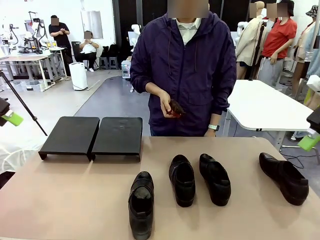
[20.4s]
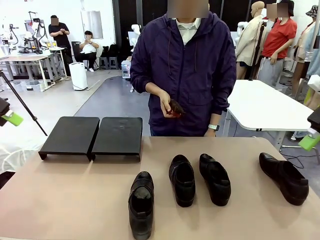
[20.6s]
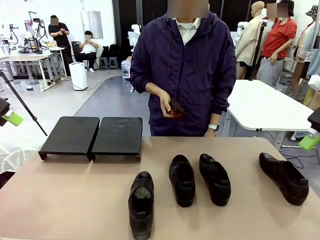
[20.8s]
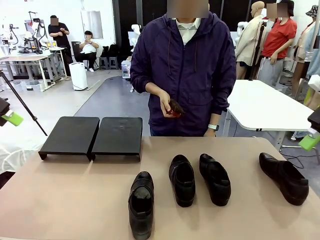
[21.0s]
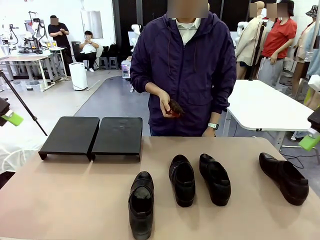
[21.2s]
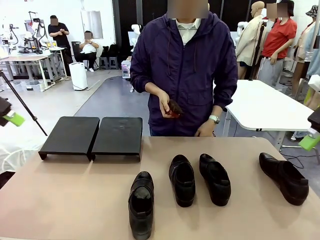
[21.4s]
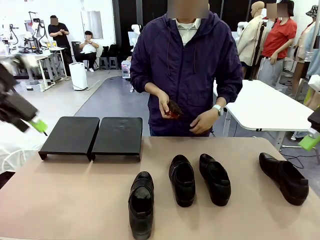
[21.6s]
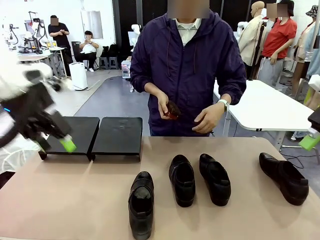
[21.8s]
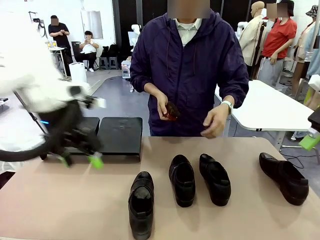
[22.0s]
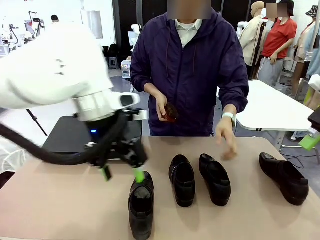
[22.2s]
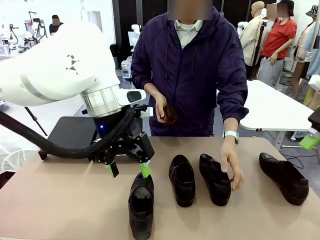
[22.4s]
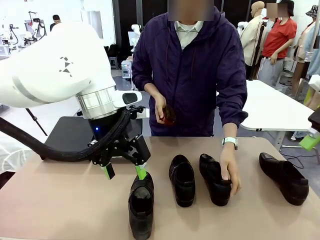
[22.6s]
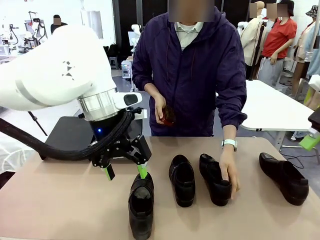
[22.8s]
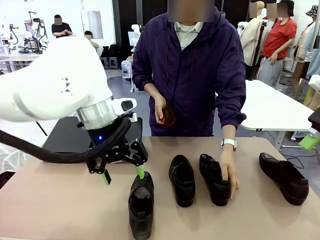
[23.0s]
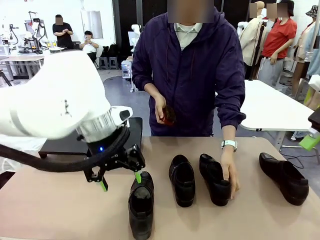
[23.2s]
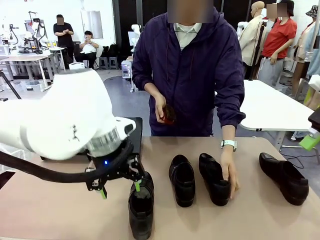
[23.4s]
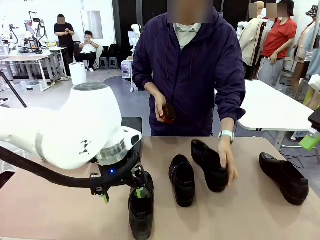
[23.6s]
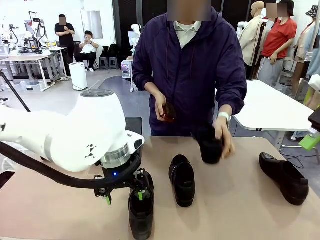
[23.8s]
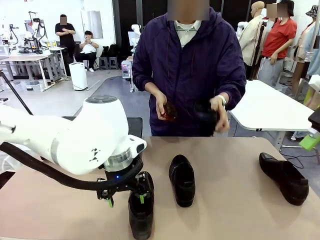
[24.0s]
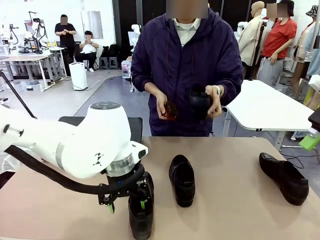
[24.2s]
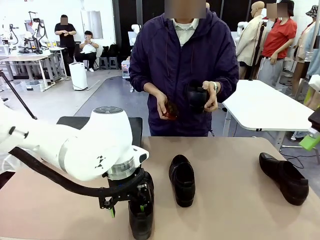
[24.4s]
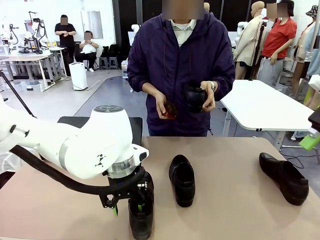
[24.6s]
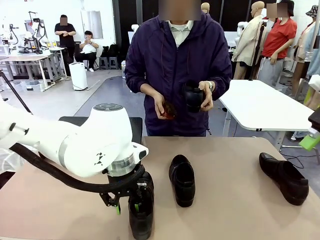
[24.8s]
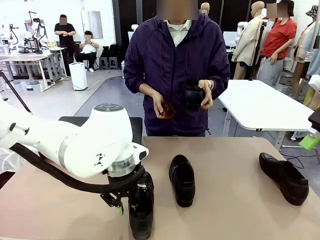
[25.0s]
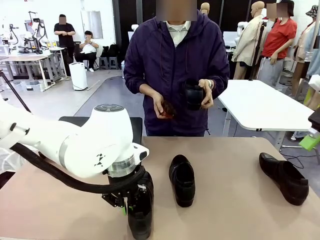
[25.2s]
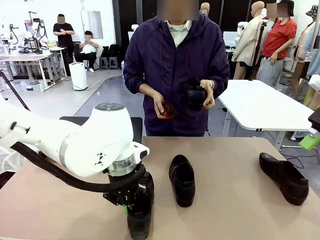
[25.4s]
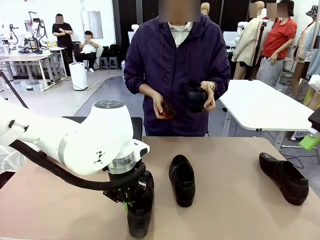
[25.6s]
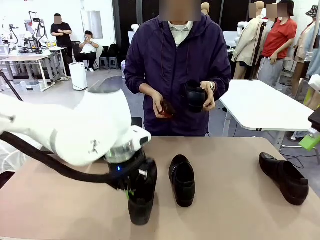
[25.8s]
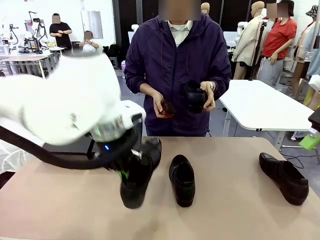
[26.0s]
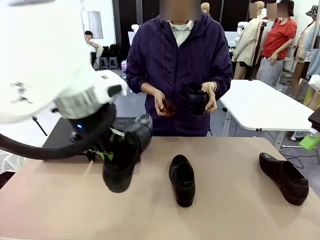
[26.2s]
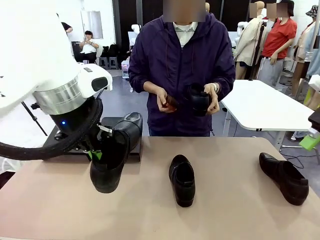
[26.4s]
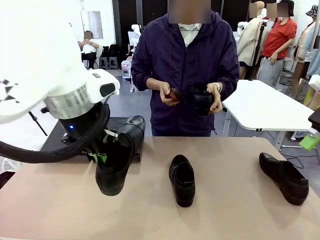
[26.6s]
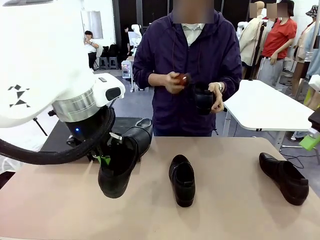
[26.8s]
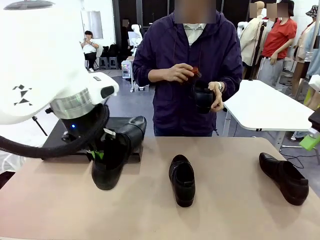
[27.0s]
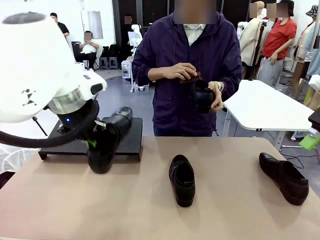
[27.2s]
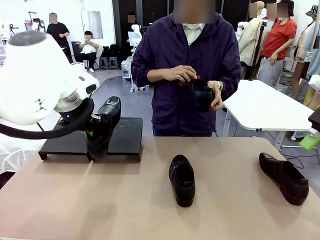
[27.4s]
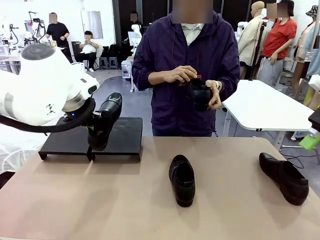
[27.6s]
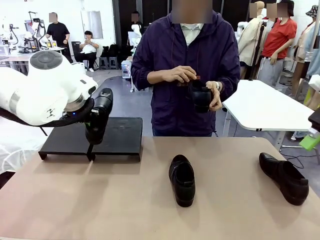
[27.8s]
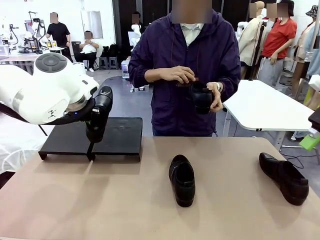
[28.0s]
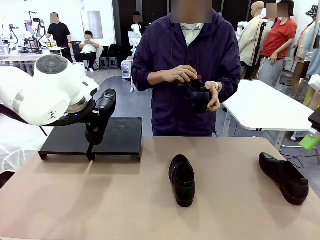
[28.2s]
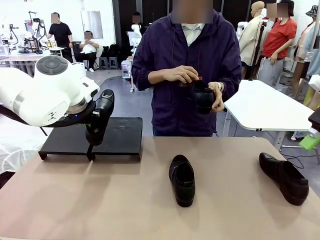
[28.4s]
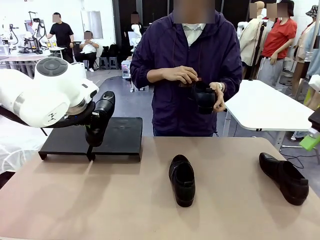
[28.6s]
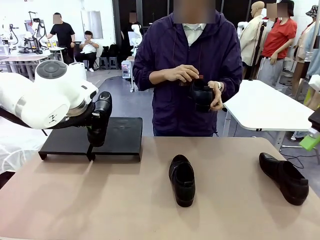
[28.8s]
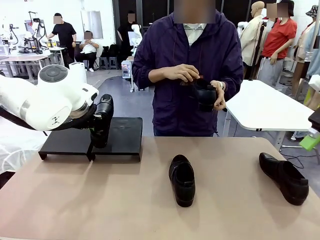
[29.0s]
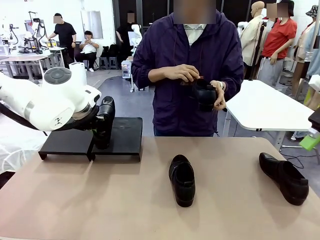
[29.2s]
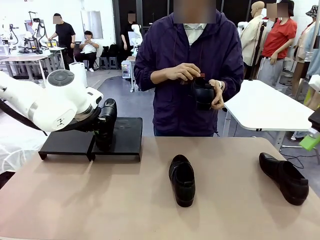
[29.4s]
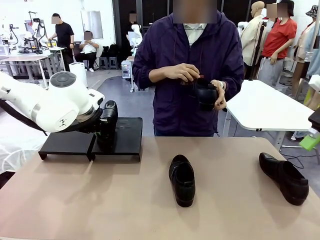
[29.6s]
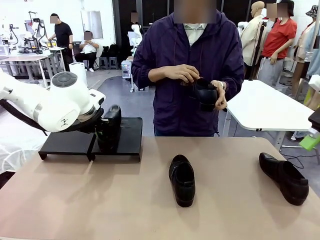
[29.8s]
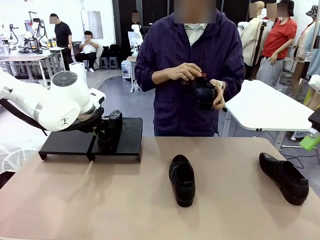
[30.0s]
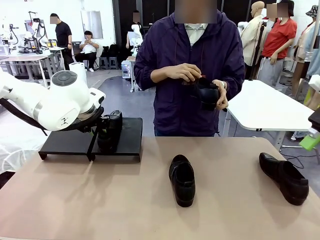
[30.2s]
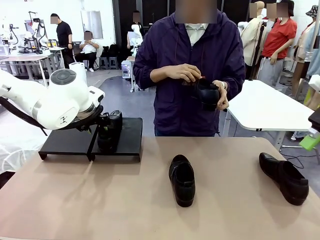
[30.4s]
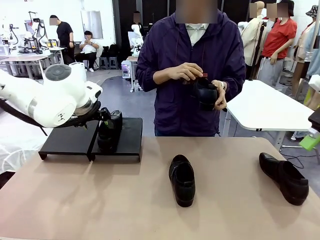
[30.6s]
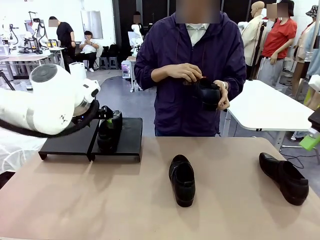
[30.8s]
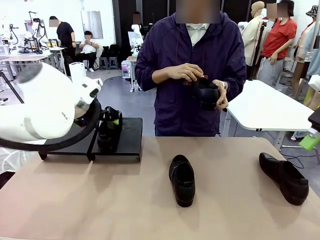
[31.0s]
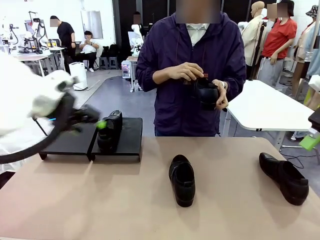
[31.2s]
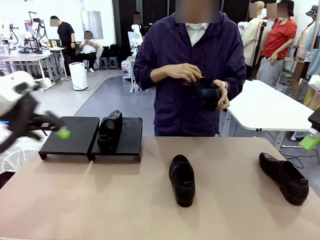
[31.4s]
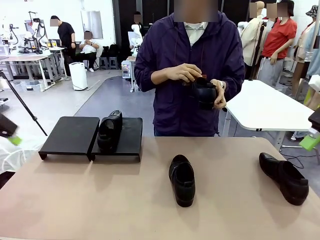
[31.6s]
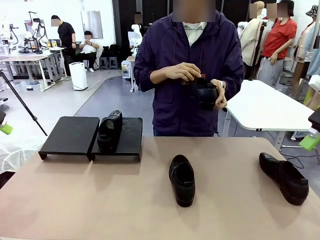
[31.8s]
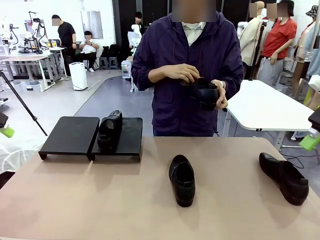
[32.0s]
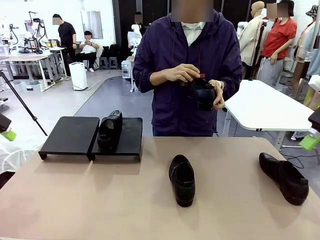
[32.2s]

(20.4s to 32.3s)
Task: Organize the shoes by placing them on the stand.
Robot: Place the Shoe from the middle of the table onto the Shoes Stand.
Person: Pick one Shoe on Robot's table. Clean the Shoe with the Shoe Brush.

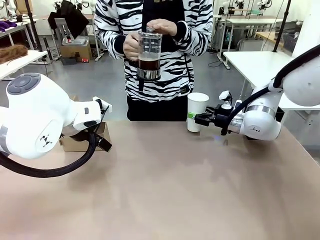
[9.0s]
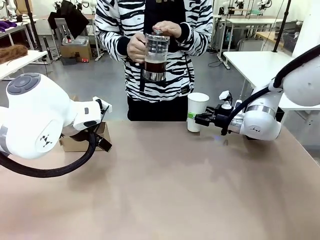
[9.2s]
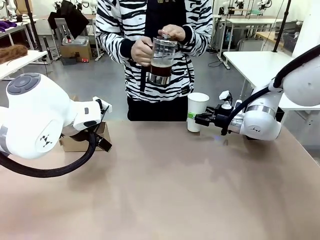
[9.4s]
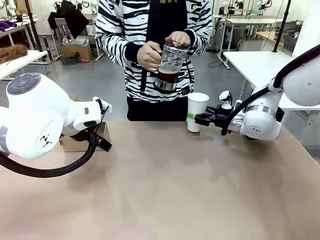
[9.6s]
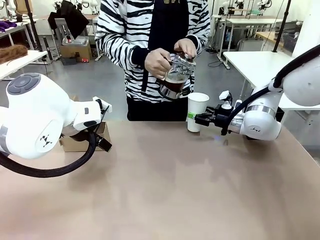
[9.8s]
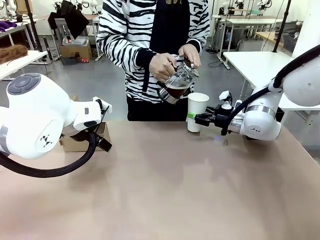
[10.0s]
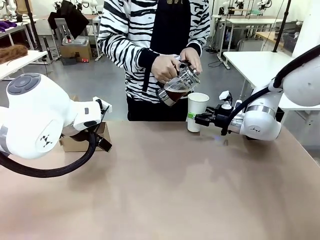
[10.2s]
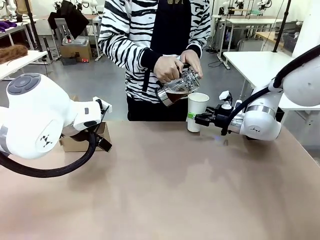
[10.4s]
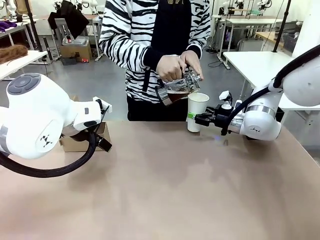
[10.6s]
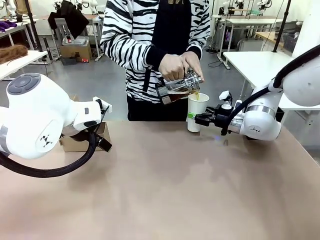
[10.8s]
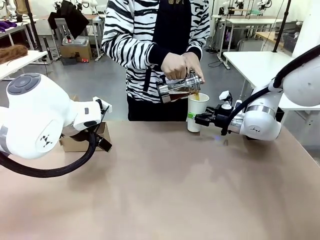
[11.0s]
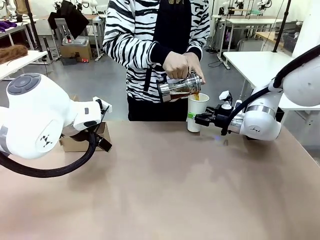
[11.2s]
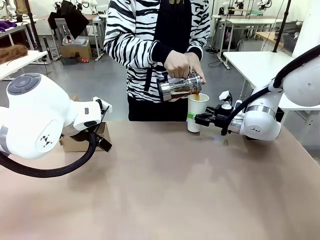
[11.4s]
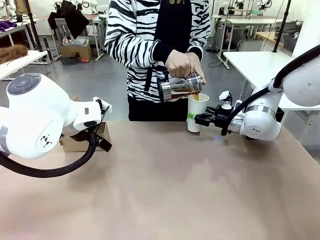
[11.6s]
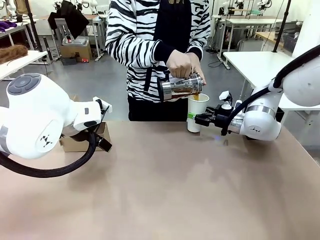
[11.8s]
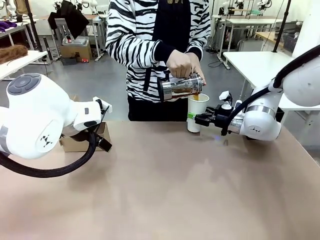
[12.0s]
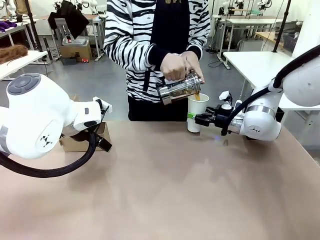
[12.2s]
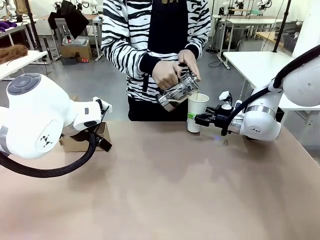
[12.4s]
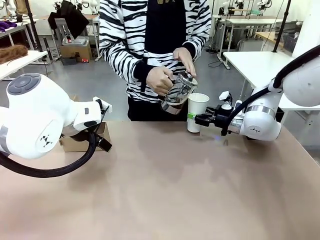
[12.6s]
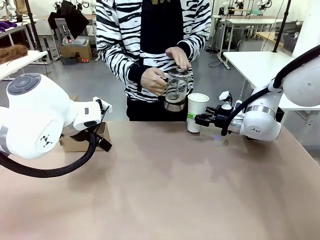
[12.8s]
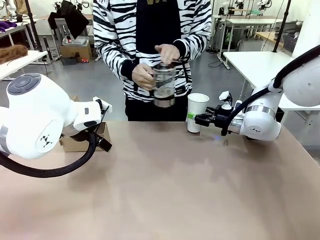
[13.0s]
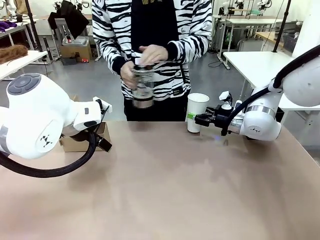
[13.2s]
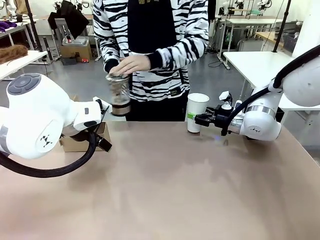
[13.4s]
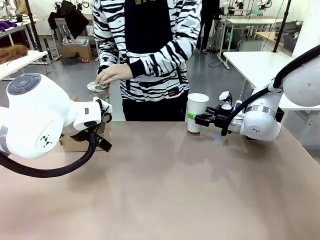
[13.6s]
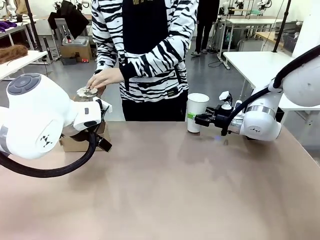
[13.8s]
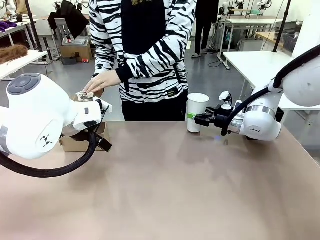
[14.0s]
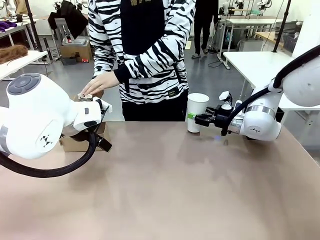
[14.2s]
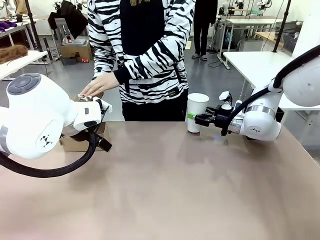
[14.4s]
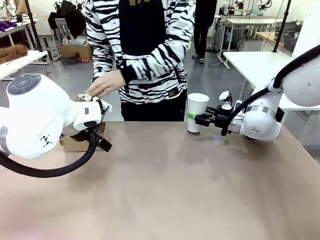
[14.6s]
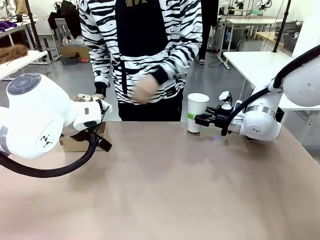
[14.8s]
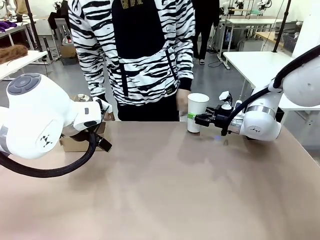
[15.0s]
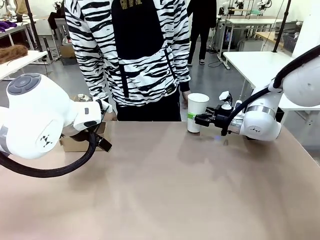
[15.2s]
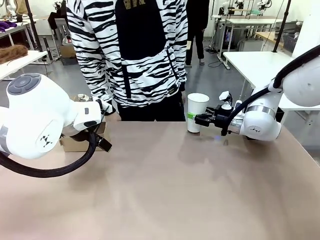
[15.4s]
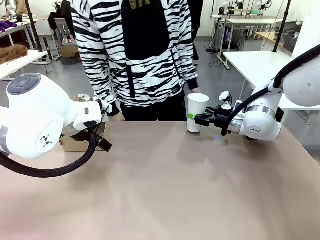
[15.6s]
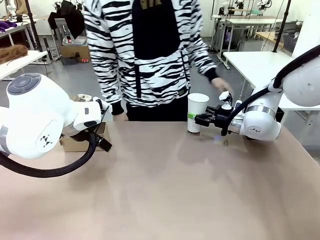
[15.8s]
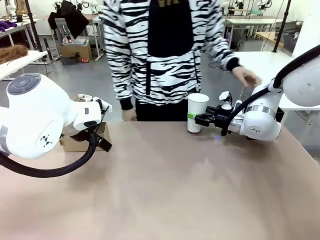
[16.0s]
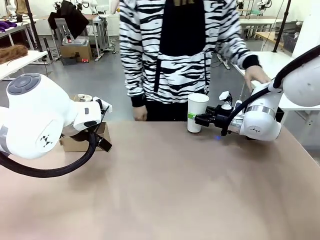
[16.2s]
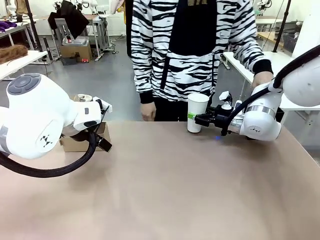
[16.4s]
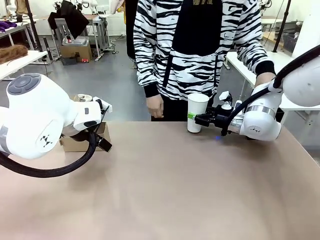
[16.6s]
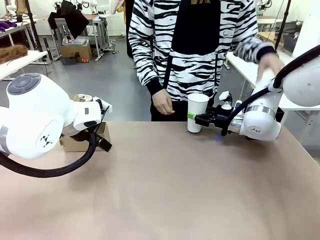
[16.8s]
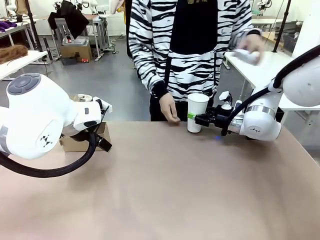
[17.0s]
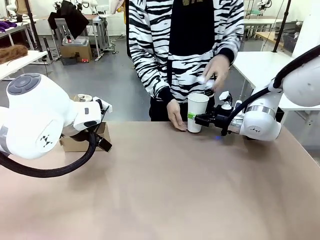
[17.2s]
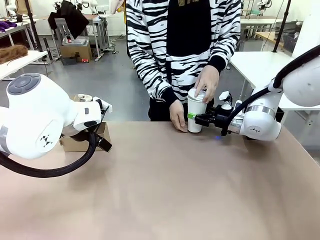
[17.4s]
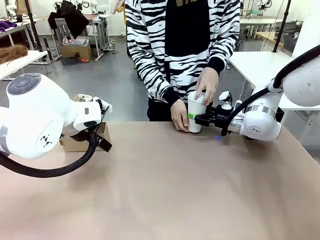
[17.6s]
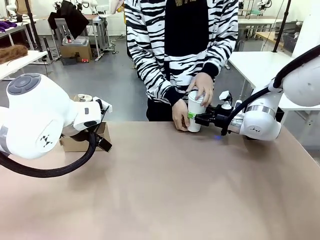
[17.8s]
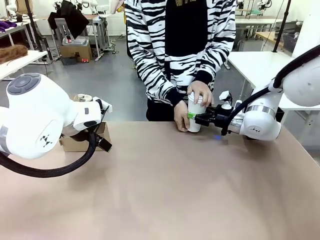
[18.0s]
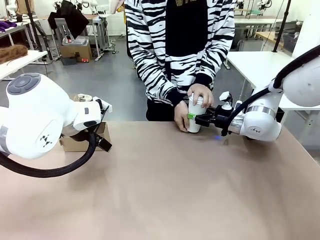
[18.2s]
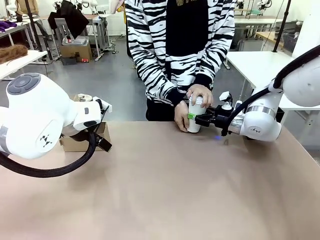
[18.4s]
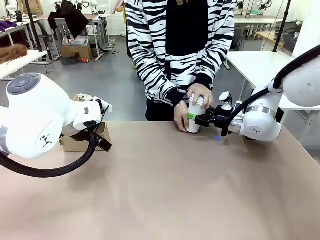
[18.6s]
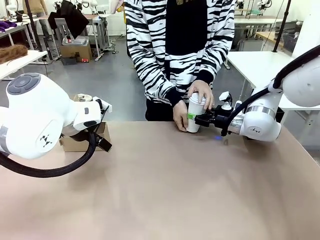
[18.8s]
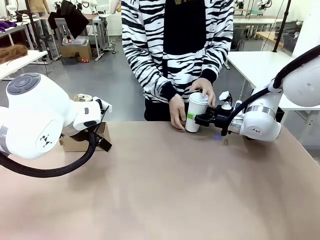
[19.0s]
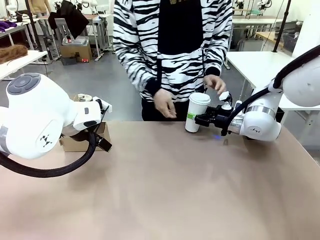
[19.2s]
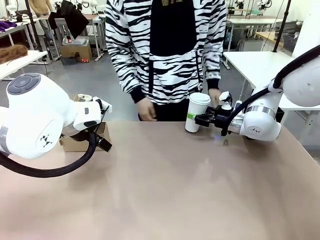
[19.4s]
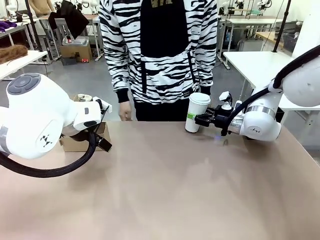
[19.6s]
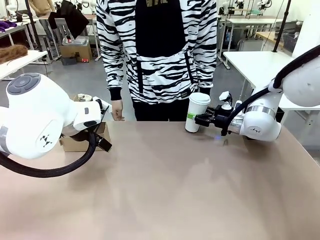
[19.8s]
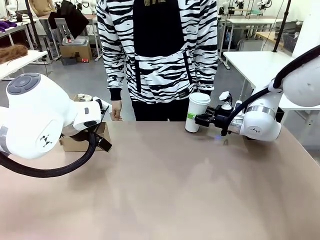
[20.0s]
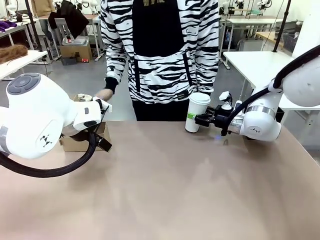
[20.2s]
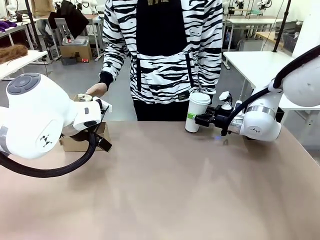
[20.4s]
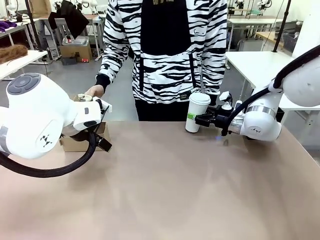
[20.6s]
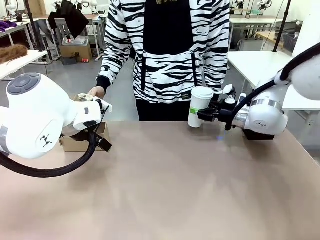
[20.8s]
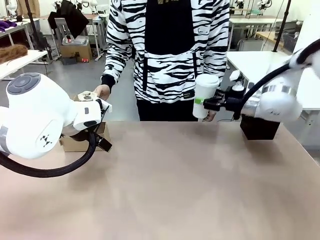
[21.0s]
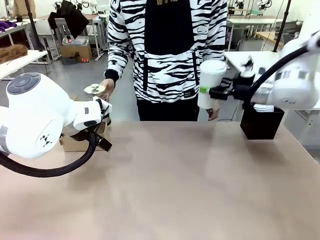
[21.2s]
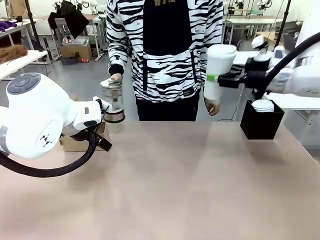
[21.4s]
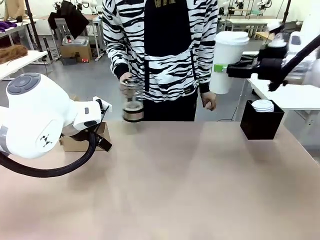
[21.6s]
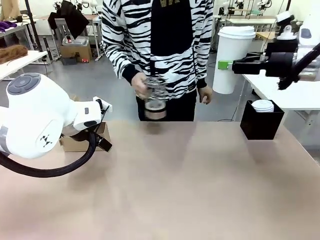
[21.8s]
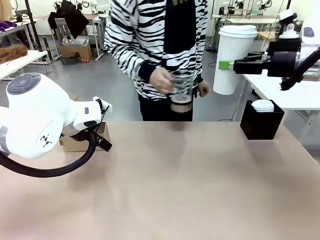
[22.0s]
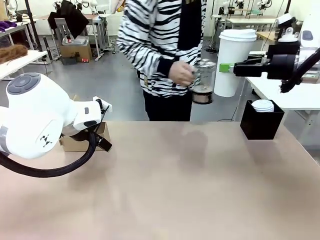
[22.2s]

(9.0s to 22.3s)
Task: Pour a drink into a cup and package it in a carrier.
Robot: When a person places the Paper Cup Lid on the 600 ml Paper Cup , lift the 600 ml Paper Cup.
Person: Pour the drink from the Filter Brewing into the 600 ml Paper Cup. Place a Paper Cup Lid on the 600 ml Paper Cup.
